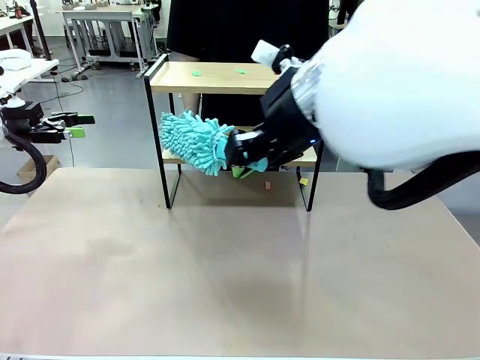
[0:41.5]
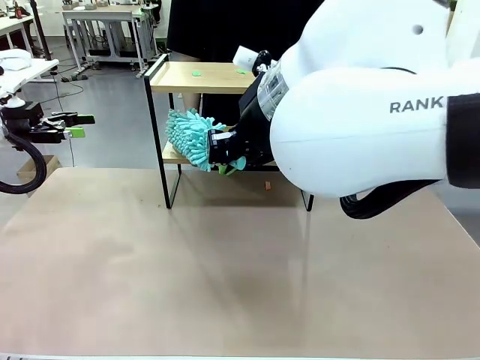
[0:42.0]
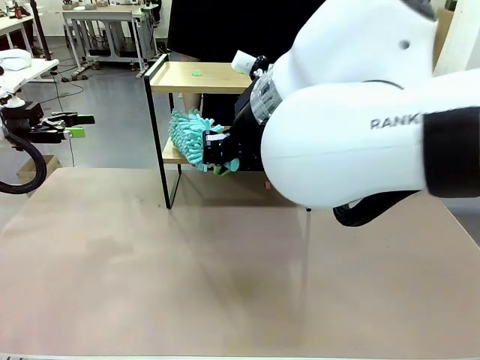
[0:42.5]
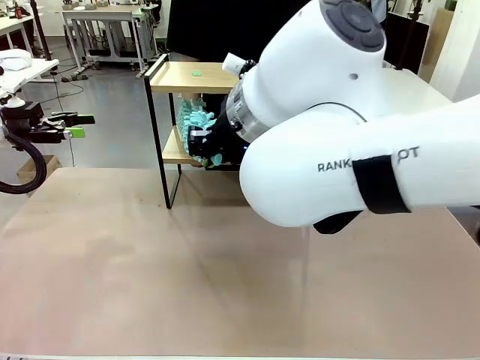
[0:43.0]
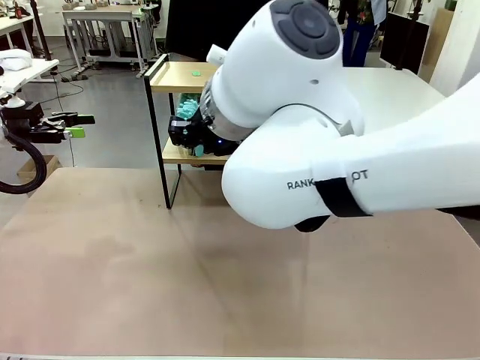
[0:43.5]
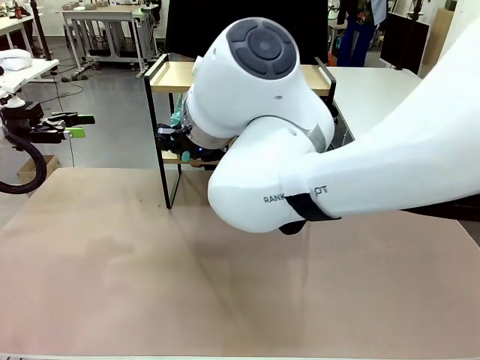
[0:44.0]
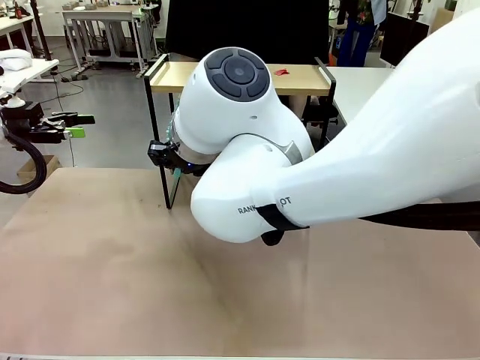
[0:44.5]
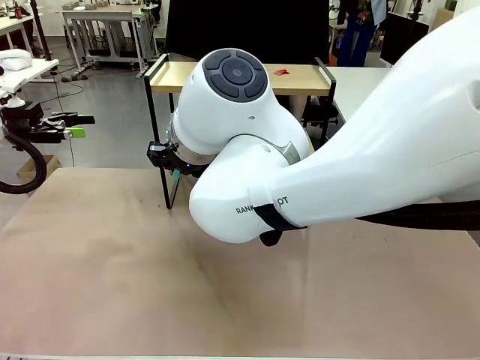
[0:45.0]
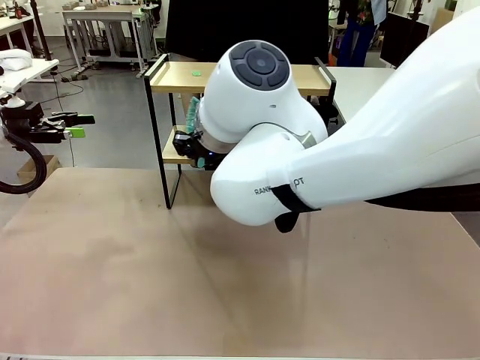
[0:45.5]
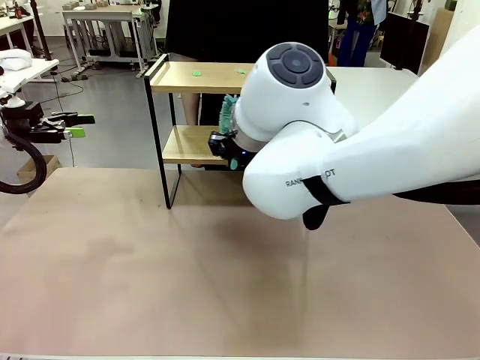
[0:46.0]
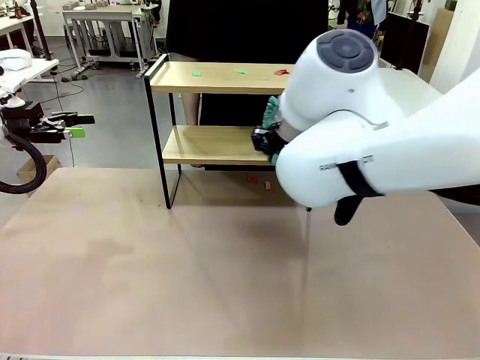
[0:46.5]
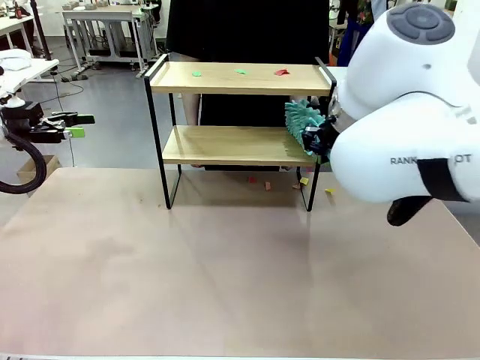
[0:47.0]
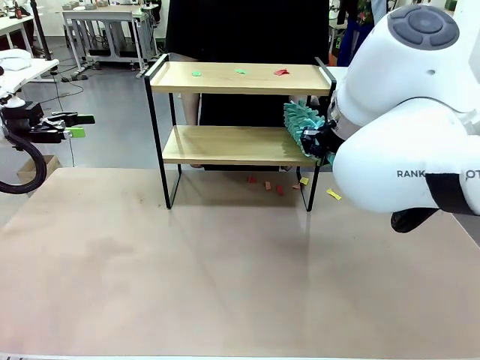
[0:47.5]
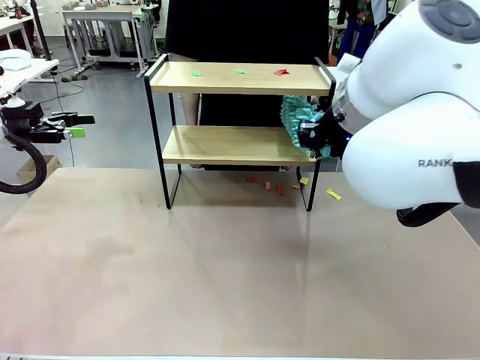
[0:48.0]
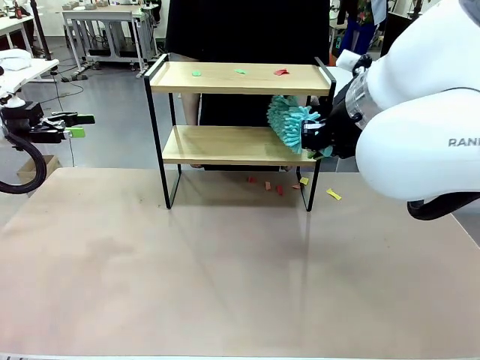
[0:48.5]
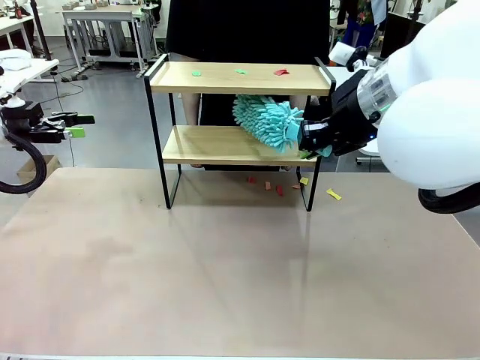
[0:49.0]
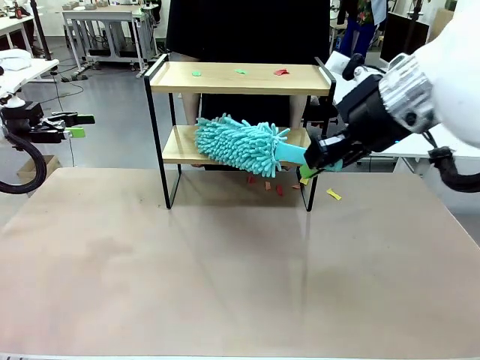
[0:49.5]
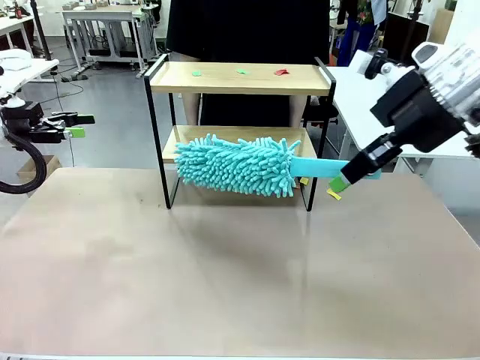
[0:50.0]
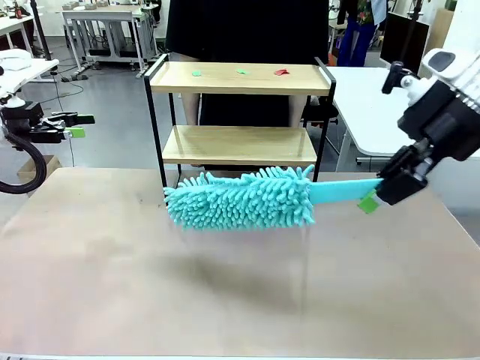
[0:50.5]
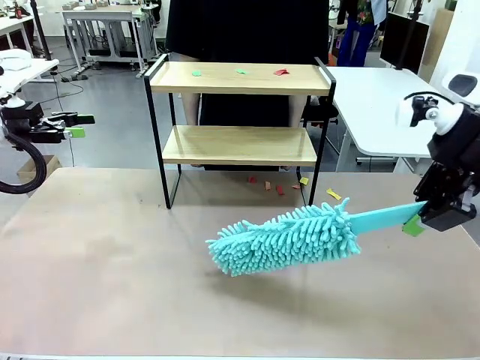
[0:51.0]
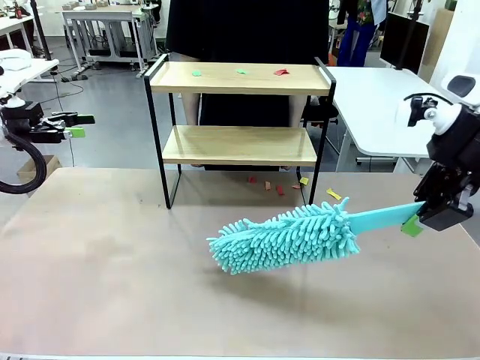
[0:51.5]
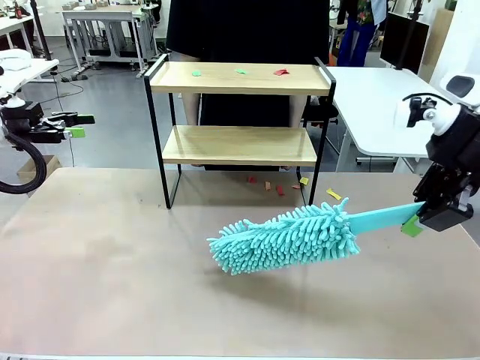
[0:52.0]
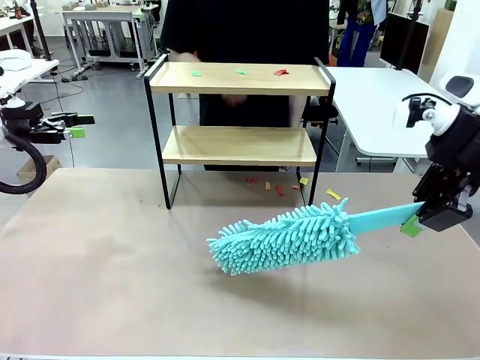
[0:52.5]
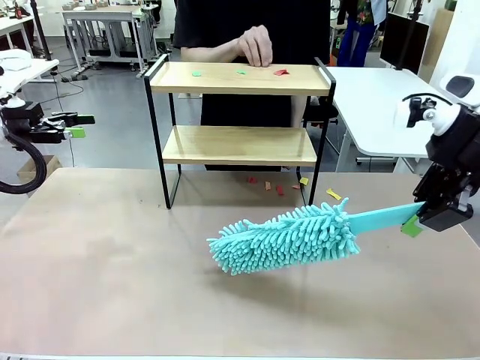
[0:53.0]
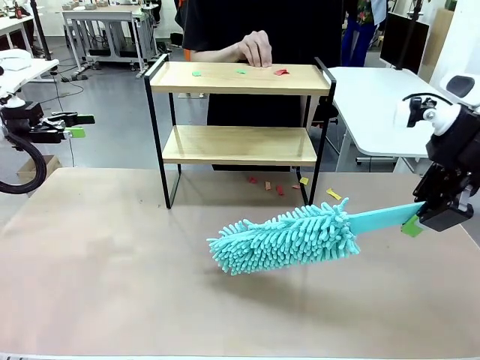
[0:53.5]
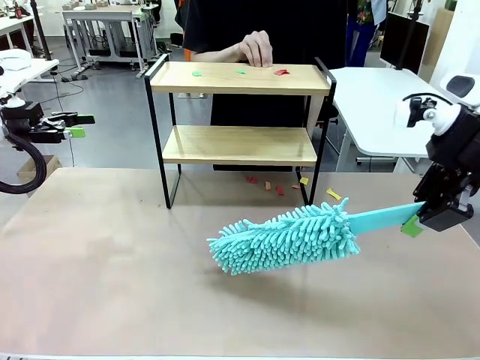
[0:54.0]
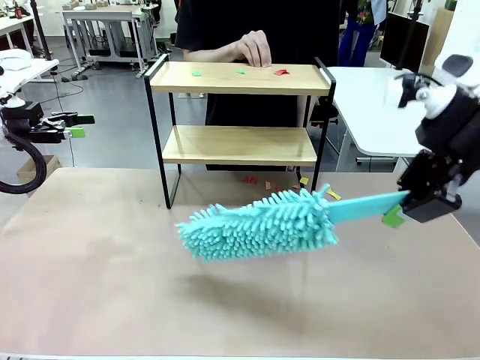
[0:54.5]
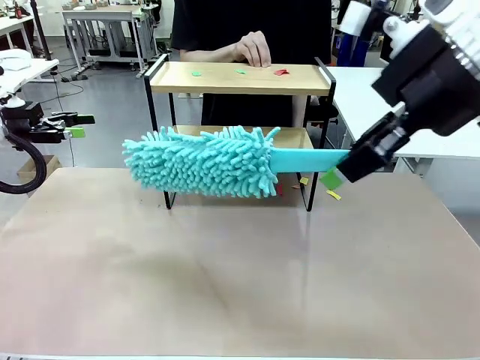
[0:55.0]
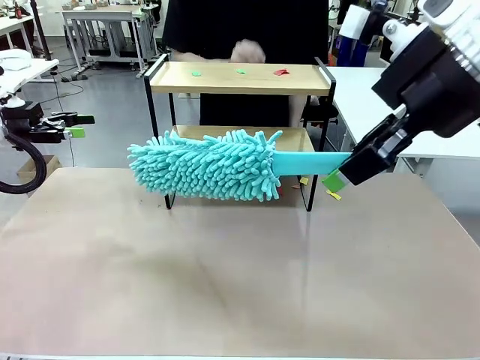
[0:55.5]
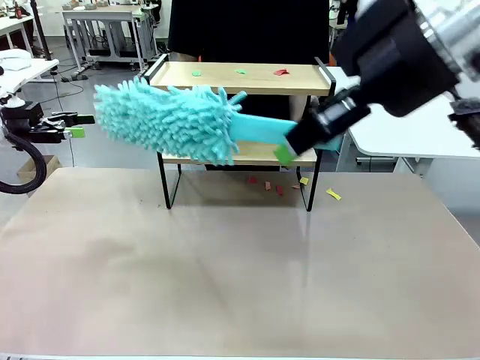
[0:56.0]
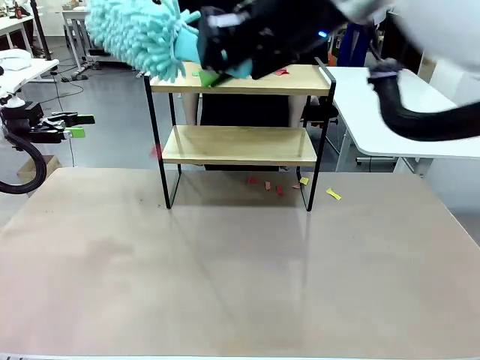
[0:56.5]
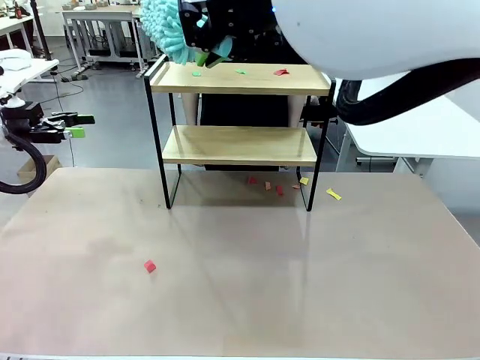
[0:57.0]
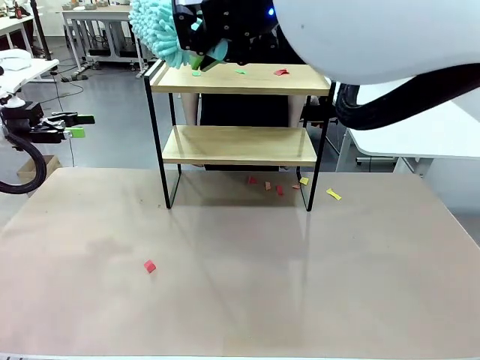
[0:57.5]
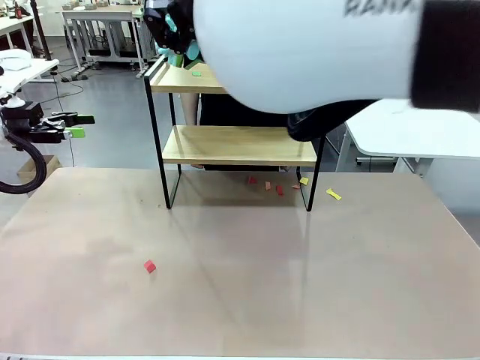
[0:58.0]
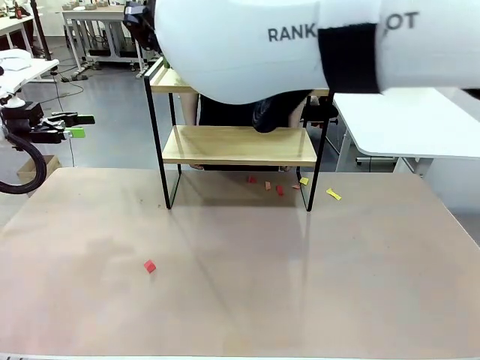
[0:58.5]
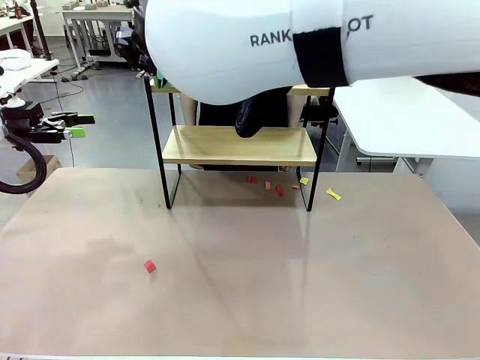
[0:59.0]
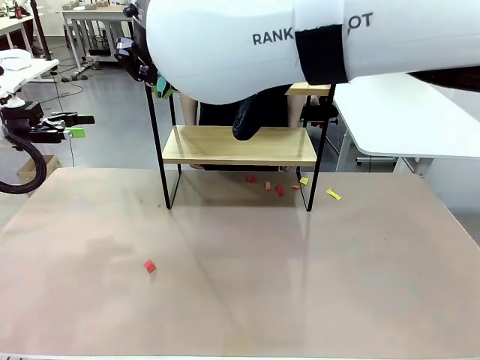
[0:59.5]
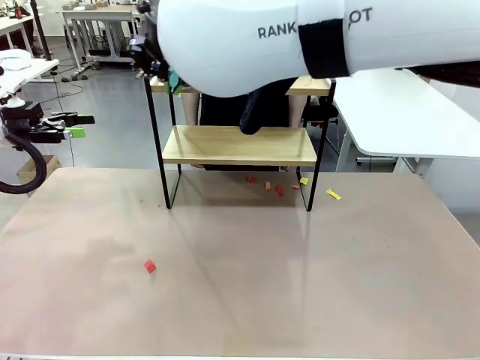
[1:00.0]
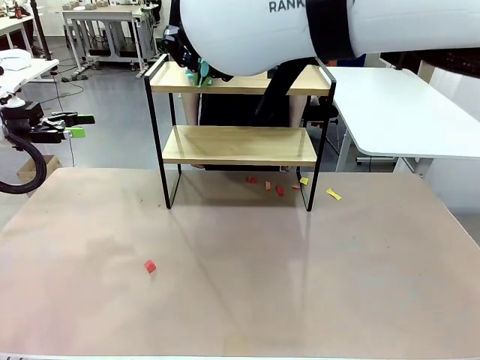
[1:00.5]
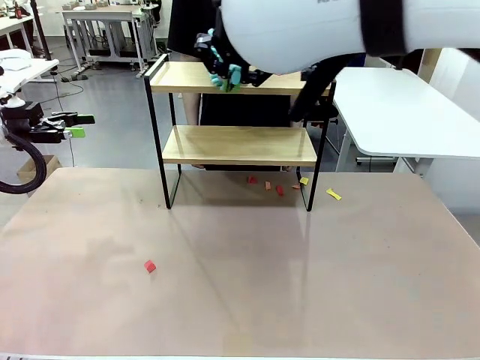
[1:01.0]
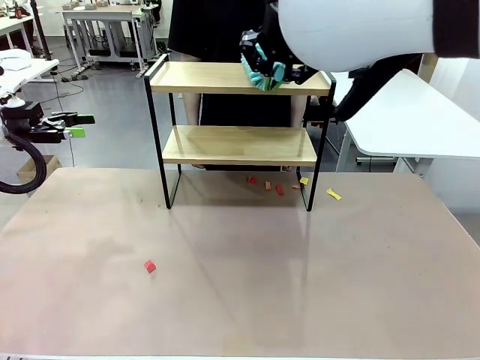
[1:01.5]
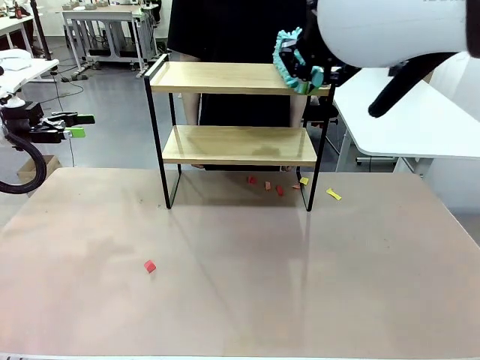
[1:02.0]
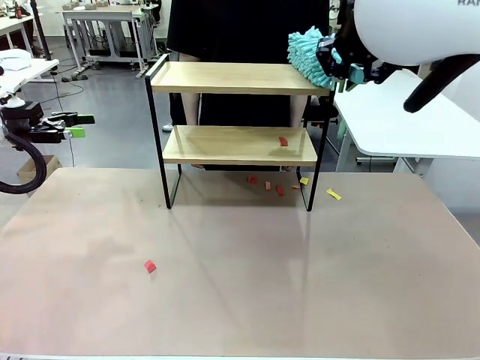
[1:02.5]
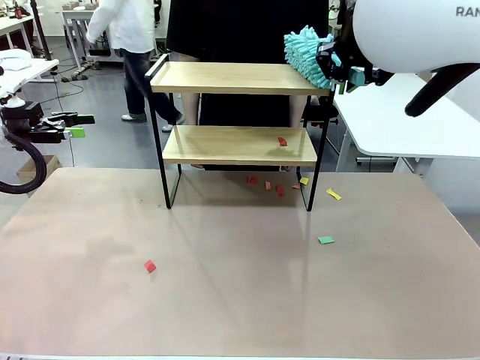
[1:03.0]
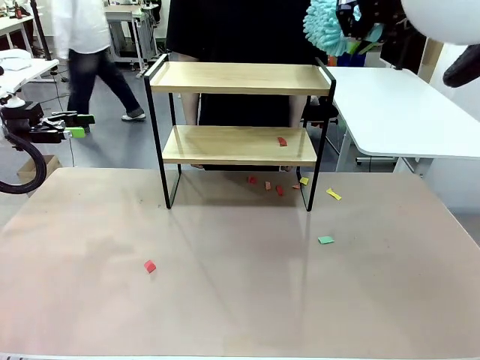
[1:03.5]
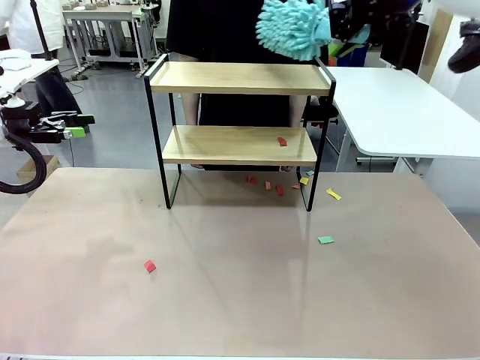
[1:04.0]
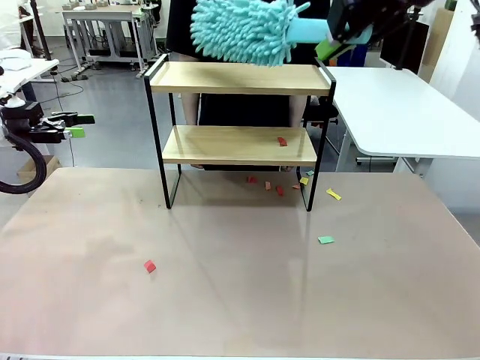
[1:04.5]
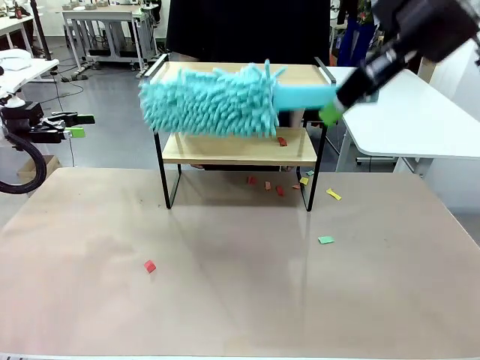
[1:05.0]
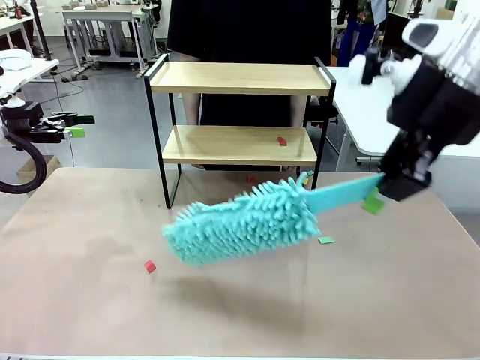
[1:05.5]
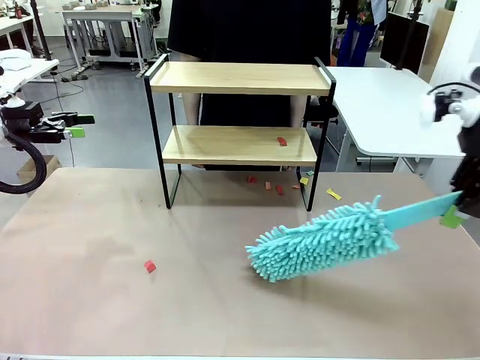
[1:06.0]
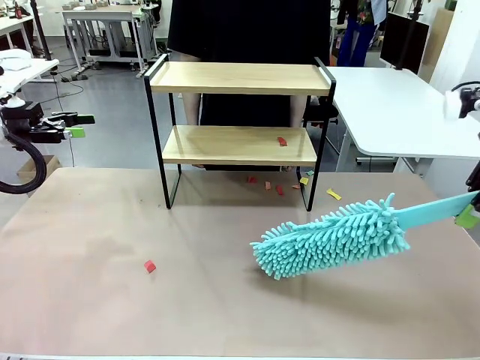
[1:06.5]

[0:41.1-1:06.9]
Task: Clean the shelf.
Robot: Clean the specific section of the Shelf indicated by the human with the Duster.
Person: Point a remaining section of the Shelf.
